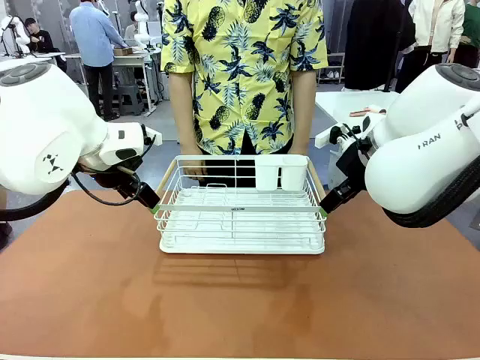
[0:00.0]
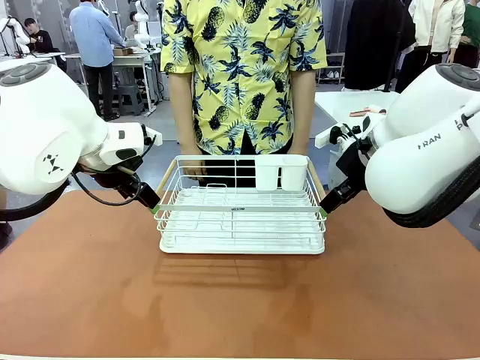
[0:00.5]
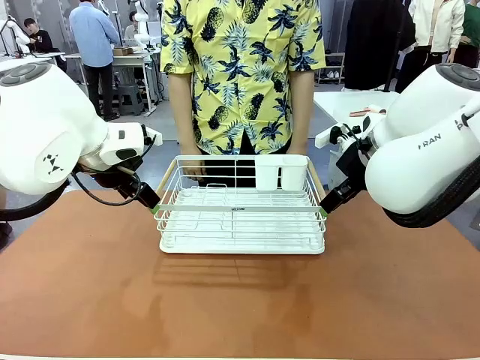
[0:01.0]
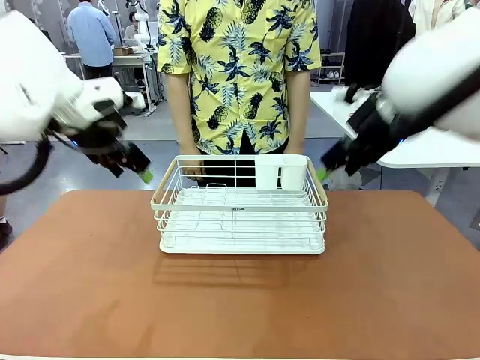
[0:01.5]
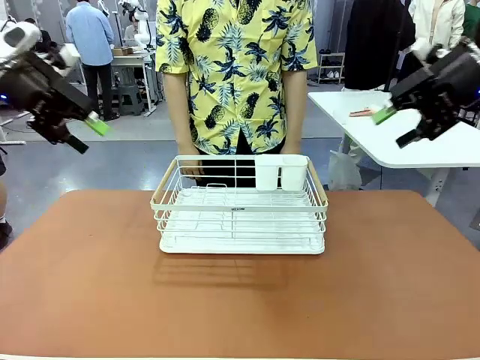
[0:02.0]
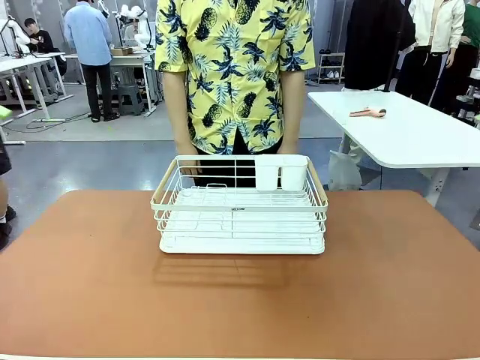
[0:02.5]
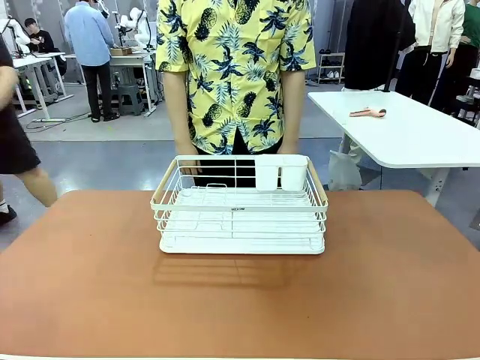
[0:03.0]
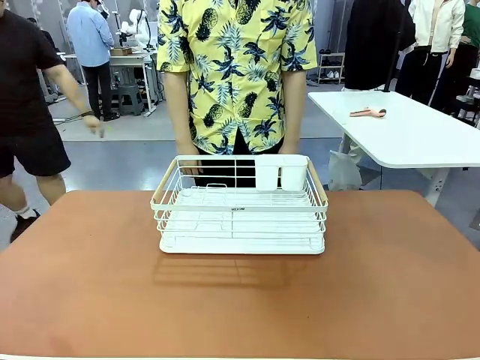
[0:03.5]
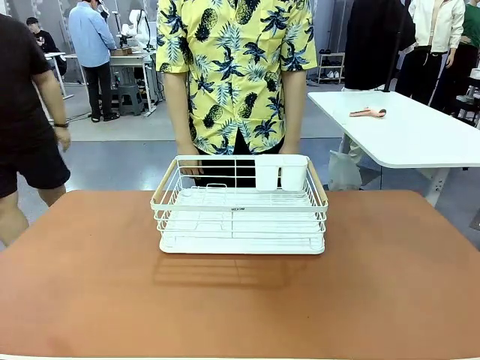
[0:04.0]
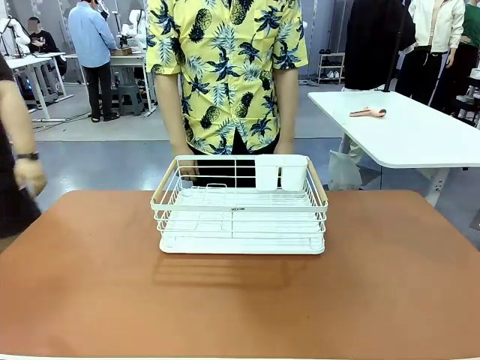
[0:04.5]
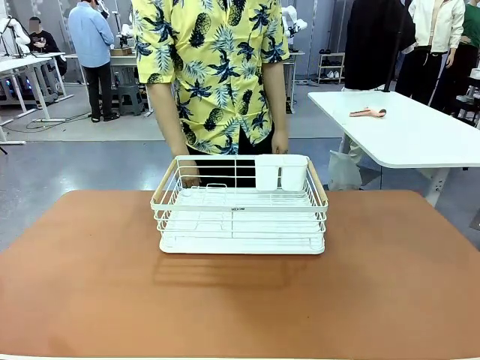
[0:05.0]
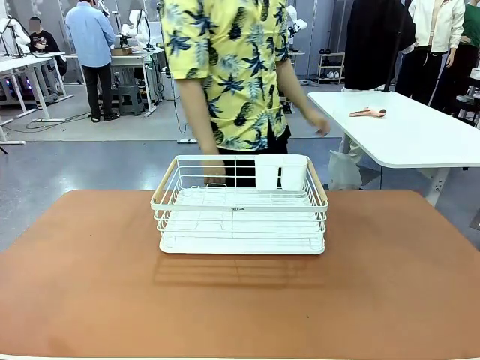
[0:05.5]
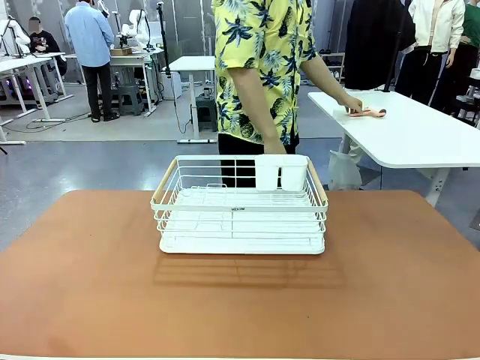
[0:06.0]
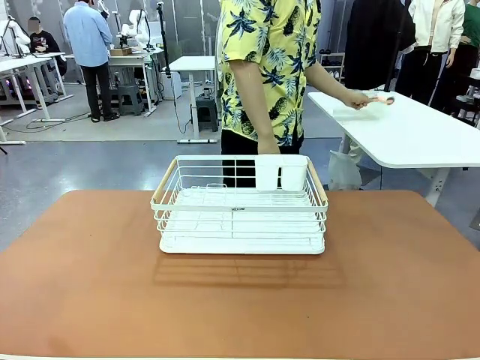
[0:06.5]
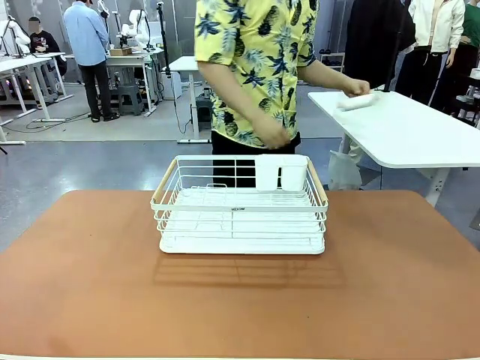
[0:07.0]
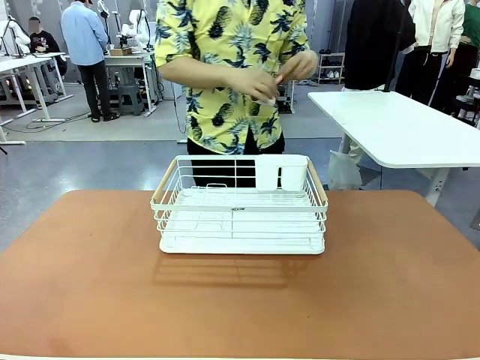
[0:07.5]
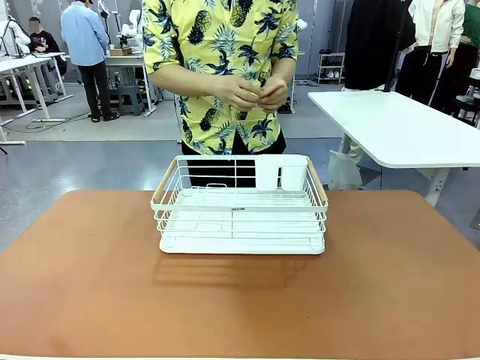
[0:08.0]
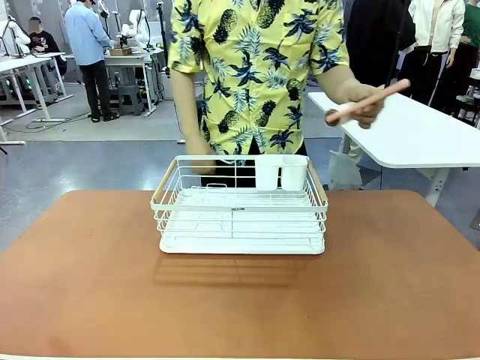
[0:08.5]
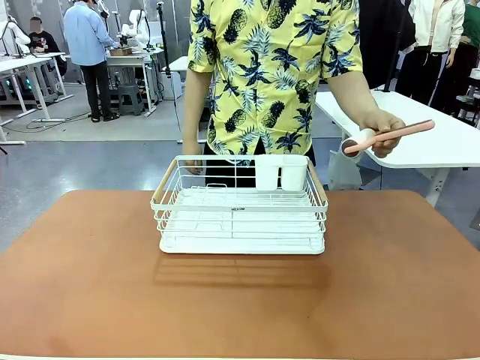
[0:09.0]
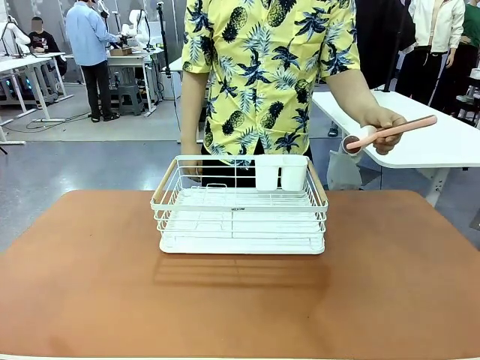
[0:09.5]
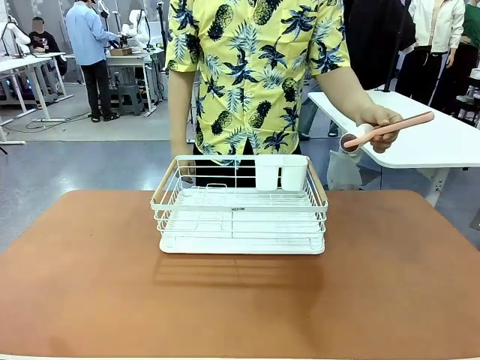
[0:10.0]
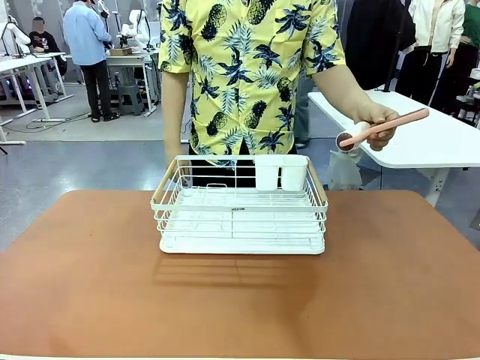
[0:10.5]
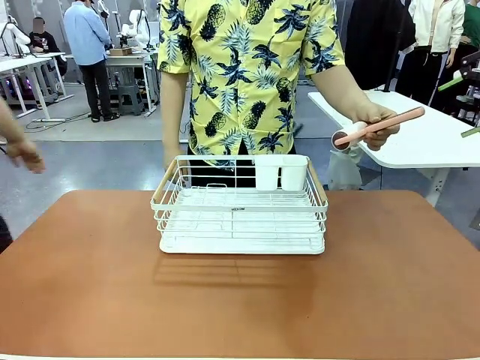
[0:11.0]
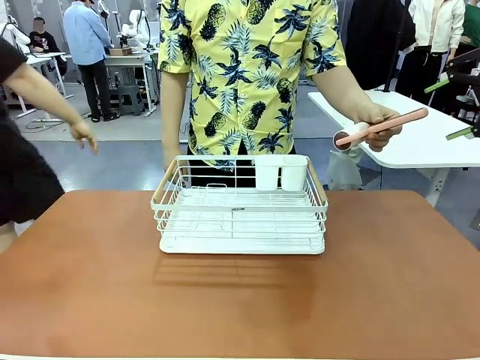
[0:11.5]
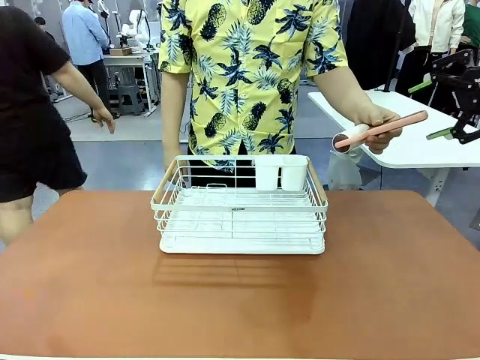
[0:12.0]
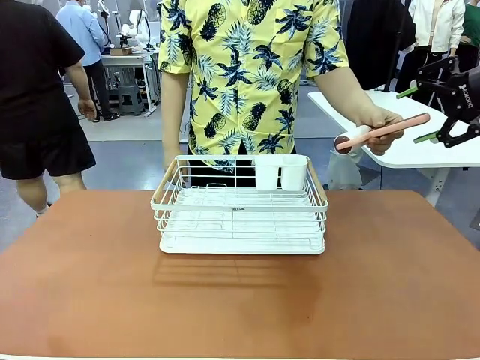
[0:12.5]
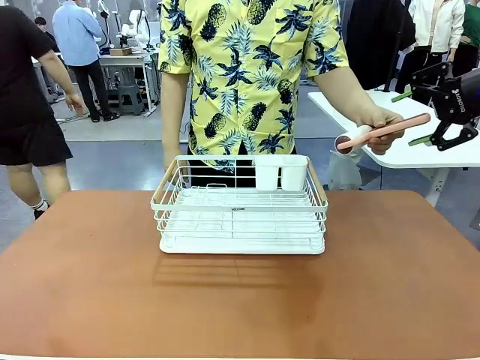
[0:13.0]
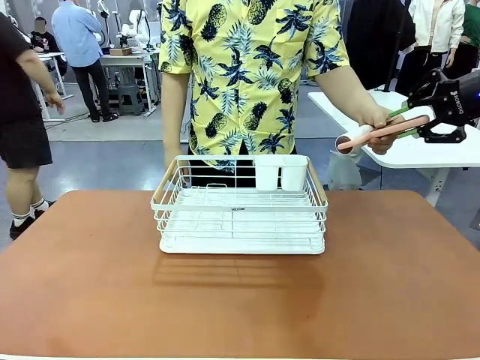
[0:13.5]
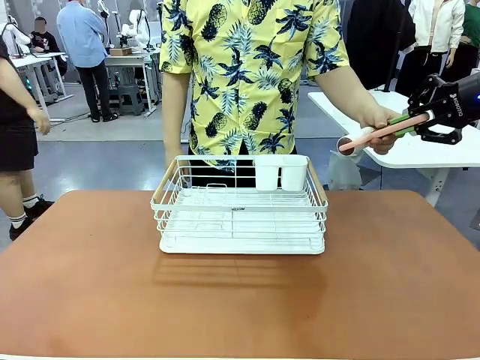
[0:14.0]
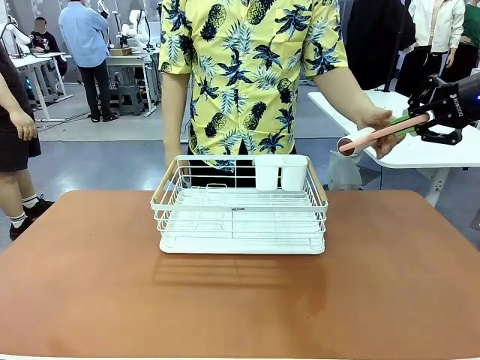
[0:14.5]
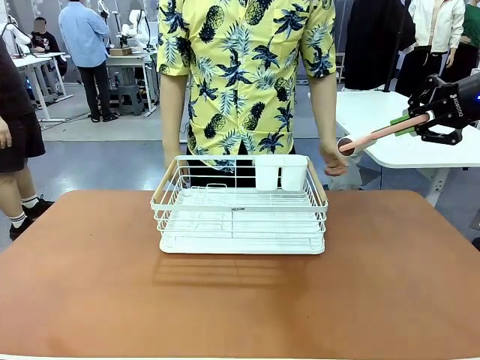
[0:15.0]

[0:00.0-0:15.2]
Task: Clean the table.
Robot: Pick up the Lint Roller when the human hands it over.
Person: Hand the Lint Roller to the robot so it can easily pick it up. Lift the Dish drying rack.

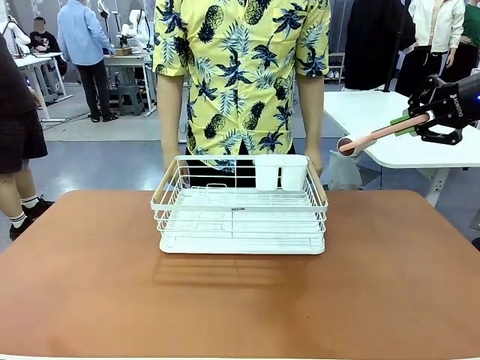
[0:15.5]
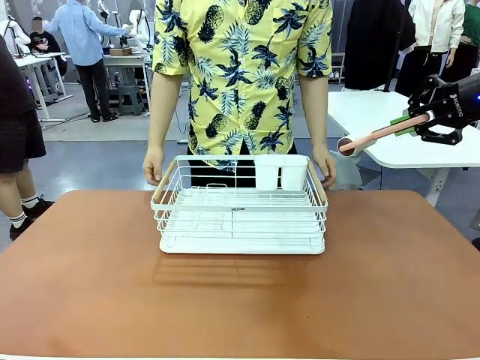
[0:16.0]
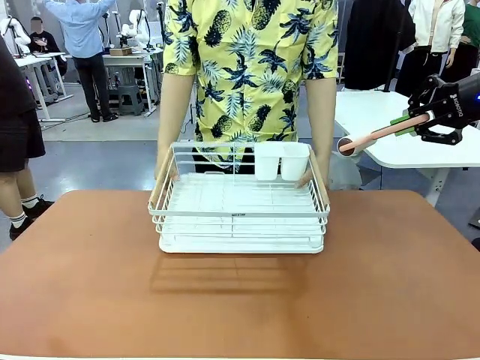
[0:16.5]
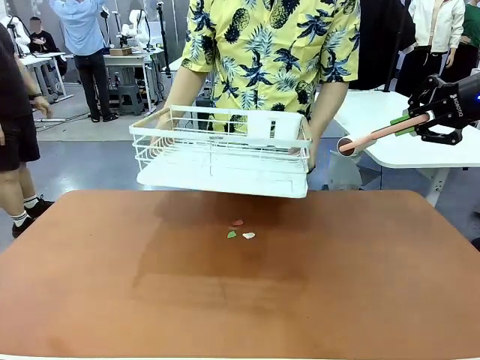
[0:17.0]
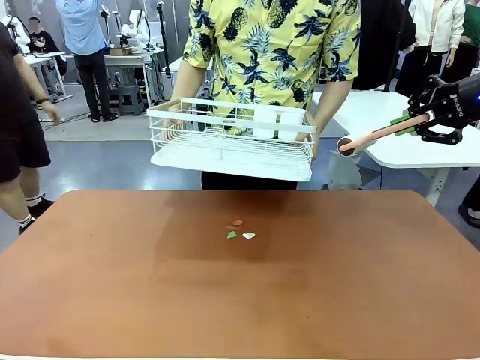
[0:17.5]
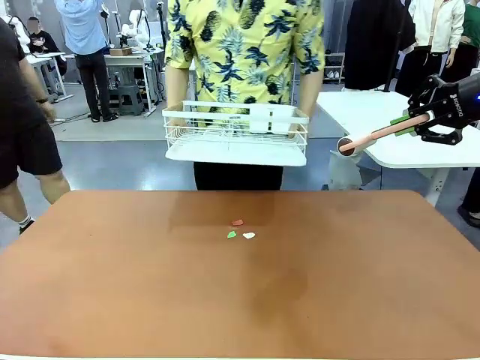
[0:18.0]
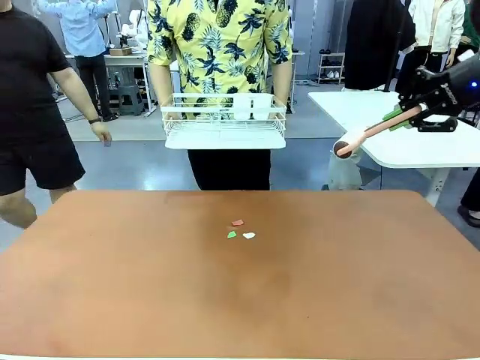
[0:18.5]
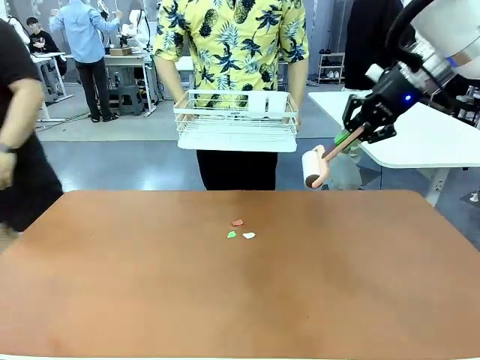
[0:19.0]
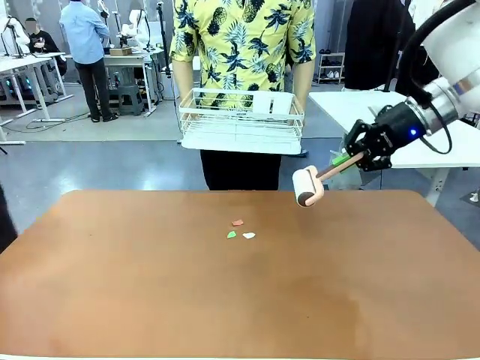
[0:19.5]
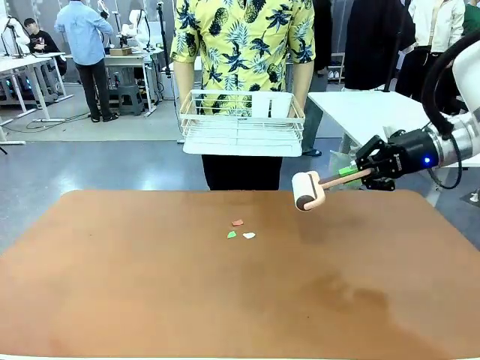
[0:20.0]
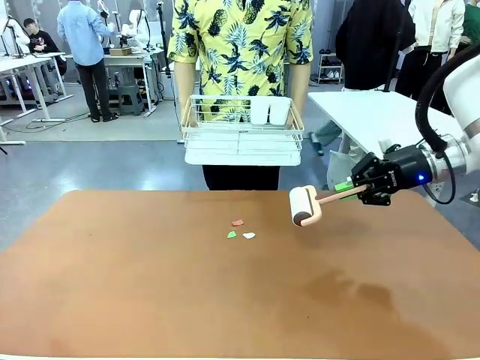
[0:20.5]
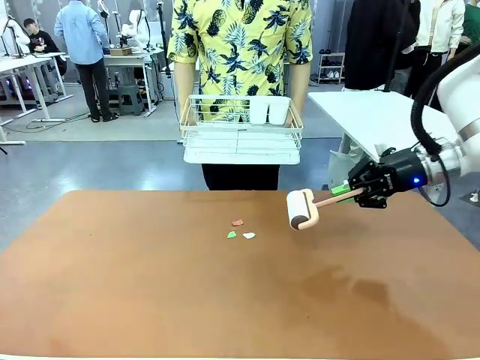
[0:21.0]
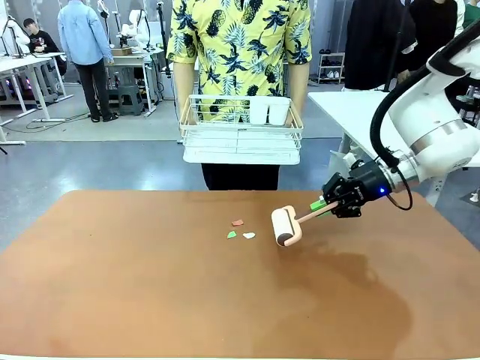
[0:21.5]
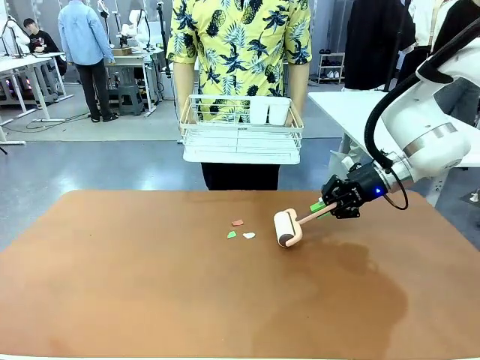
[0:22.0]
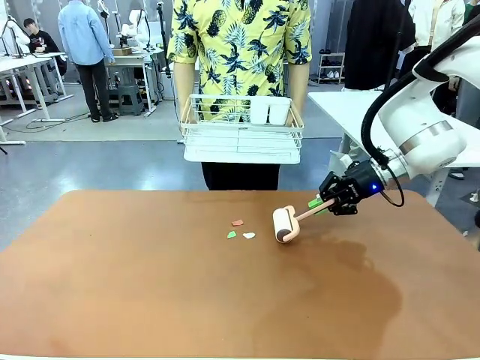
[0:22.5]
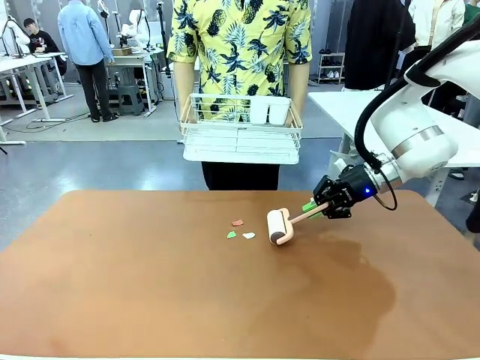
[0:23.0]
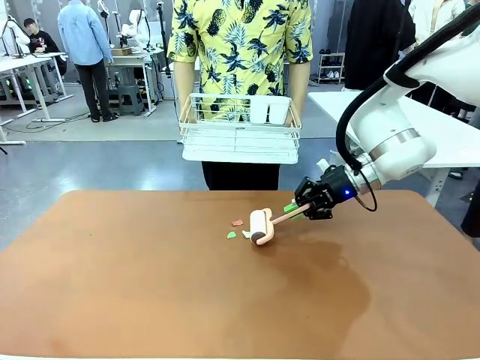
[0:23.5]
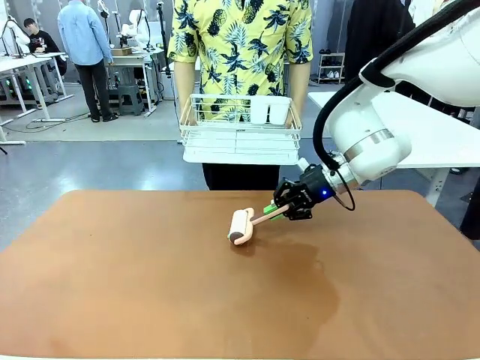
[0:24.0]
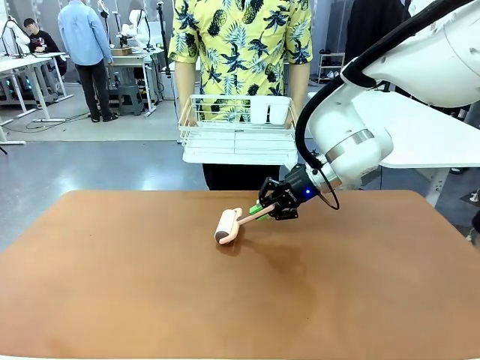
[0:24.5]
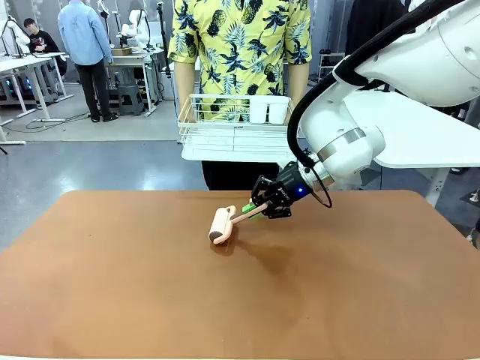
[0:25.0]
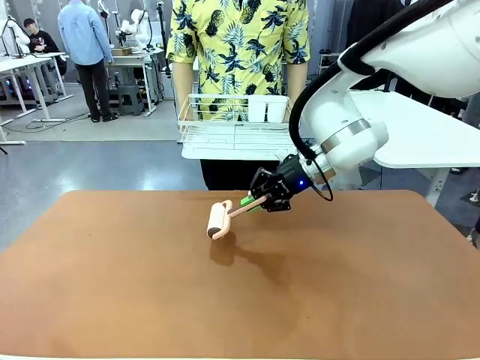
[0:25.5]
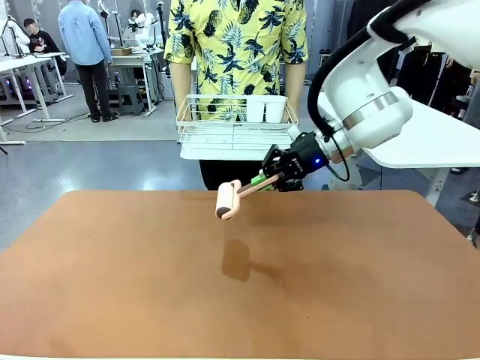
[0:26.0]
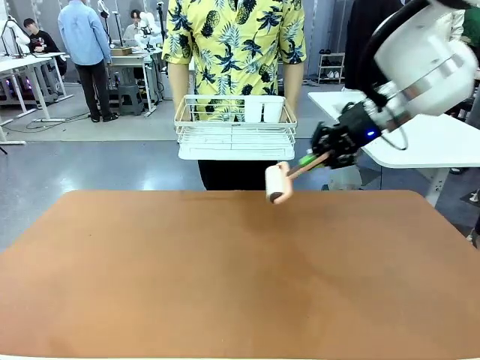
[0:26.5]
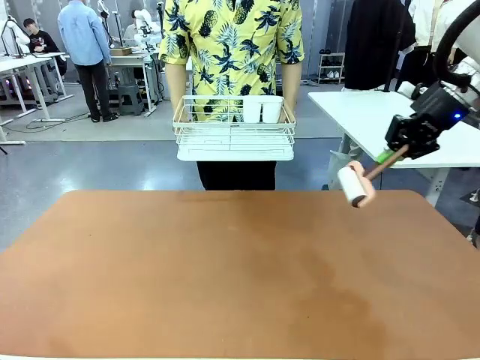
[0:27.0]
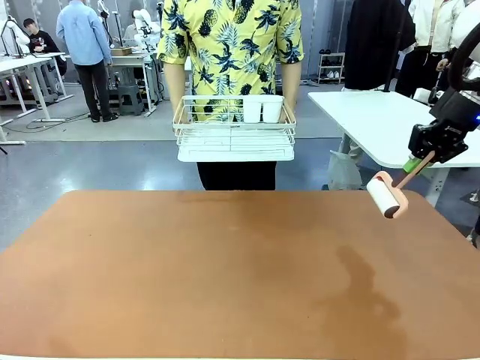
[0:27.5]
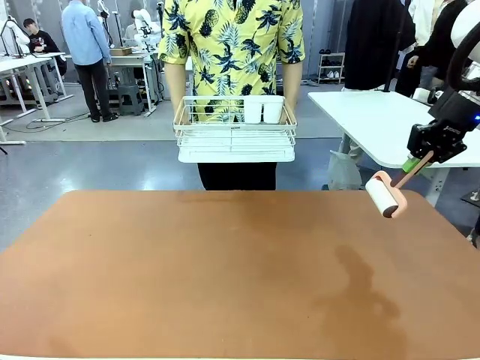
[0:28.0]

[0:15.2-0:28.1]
Robot: Clean the table with the Lint Roller when the human lifts the Dish drying rack.
Person: Place the Dish drying rack down when the robot finishes cleaning.
